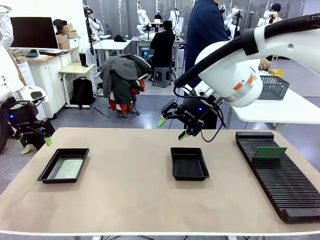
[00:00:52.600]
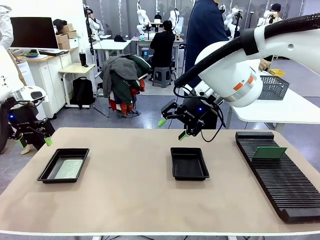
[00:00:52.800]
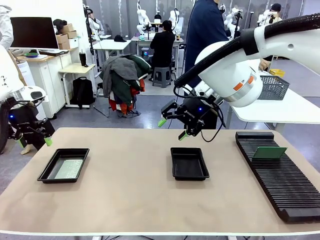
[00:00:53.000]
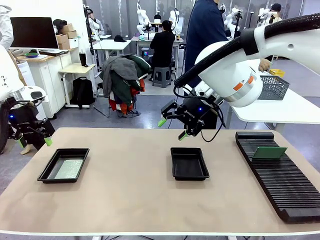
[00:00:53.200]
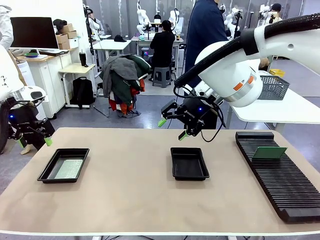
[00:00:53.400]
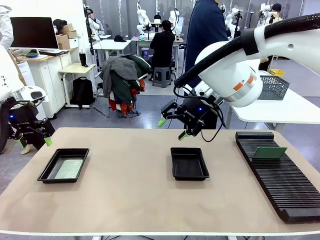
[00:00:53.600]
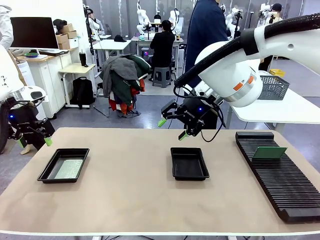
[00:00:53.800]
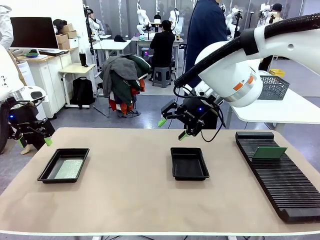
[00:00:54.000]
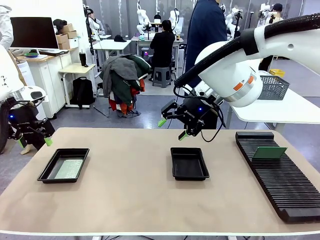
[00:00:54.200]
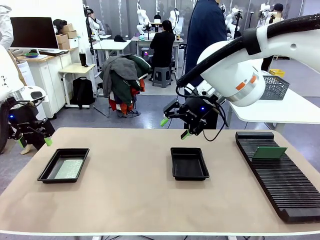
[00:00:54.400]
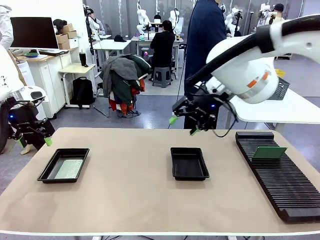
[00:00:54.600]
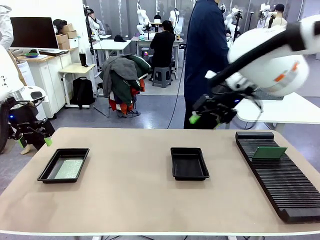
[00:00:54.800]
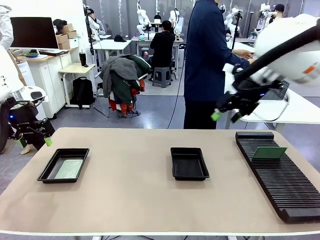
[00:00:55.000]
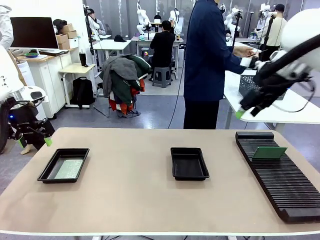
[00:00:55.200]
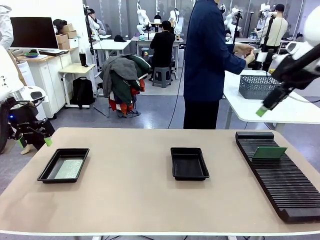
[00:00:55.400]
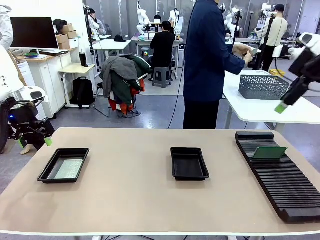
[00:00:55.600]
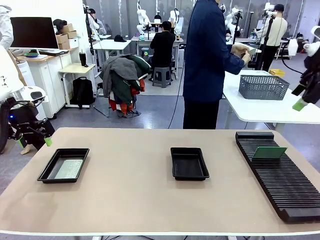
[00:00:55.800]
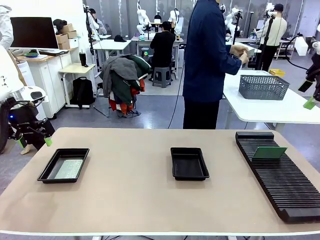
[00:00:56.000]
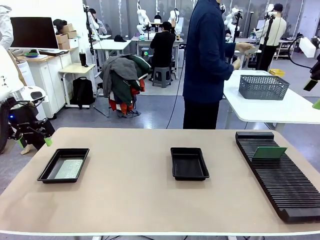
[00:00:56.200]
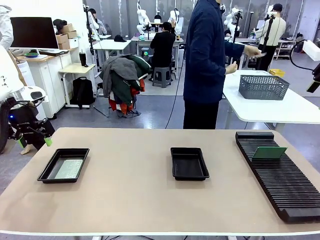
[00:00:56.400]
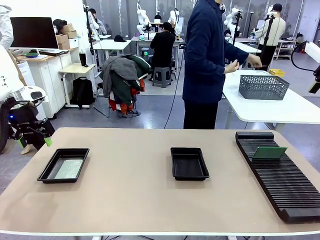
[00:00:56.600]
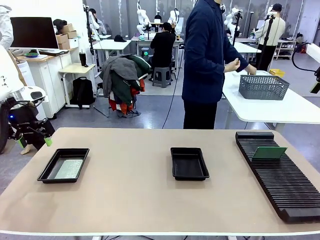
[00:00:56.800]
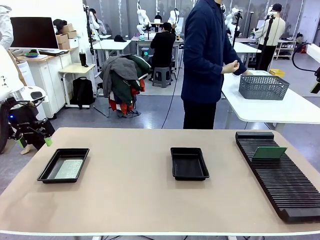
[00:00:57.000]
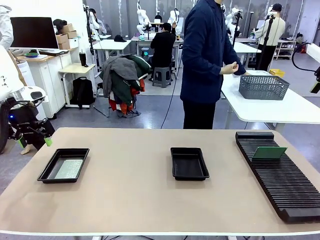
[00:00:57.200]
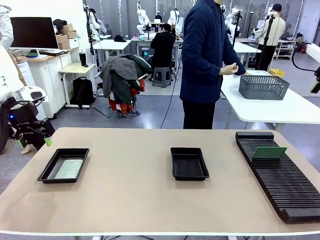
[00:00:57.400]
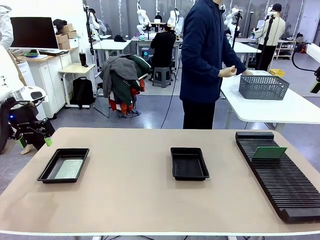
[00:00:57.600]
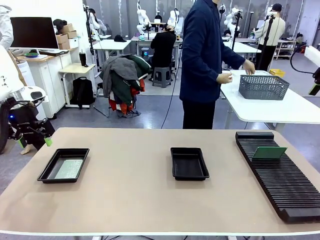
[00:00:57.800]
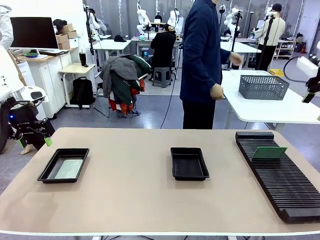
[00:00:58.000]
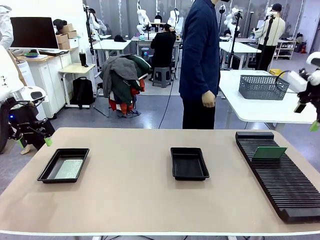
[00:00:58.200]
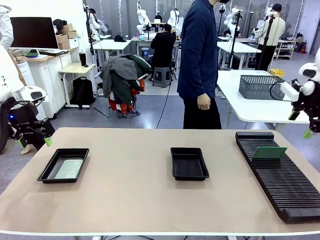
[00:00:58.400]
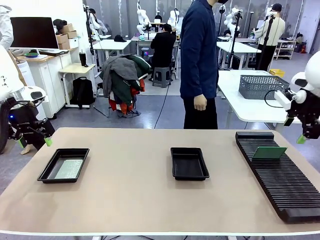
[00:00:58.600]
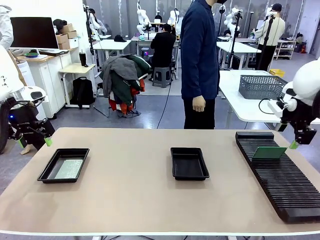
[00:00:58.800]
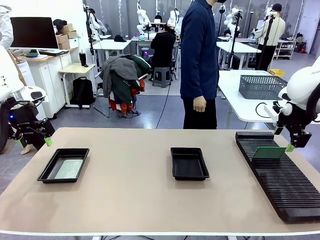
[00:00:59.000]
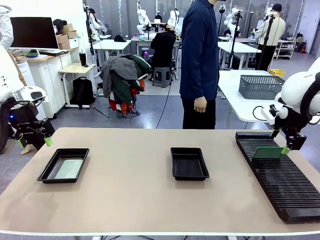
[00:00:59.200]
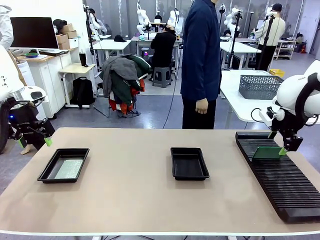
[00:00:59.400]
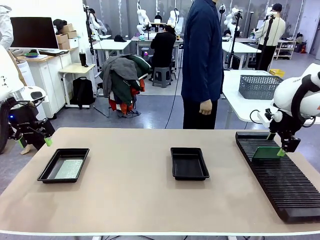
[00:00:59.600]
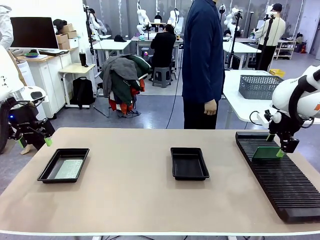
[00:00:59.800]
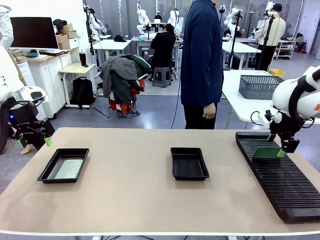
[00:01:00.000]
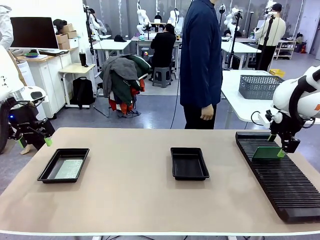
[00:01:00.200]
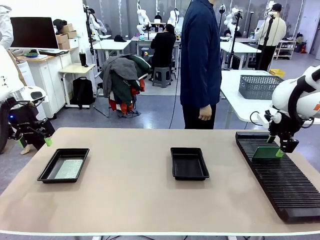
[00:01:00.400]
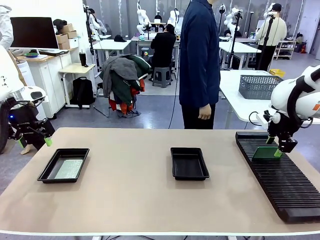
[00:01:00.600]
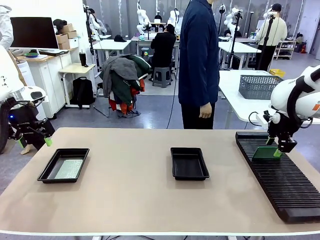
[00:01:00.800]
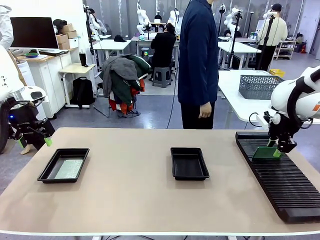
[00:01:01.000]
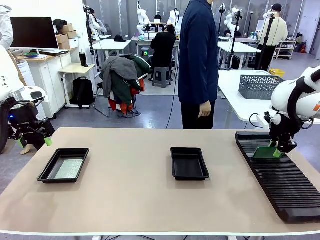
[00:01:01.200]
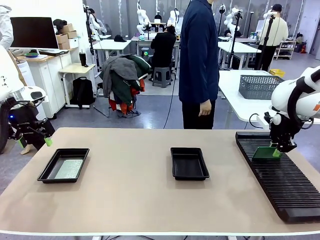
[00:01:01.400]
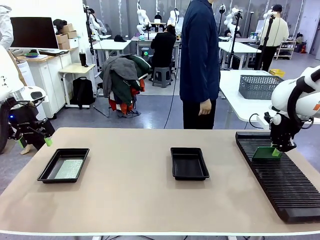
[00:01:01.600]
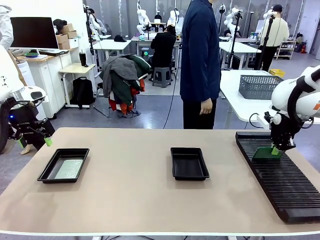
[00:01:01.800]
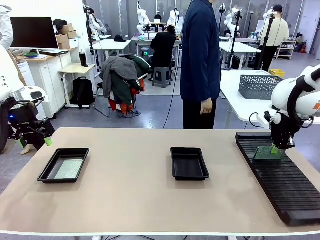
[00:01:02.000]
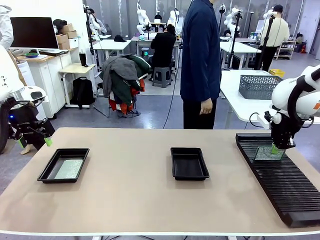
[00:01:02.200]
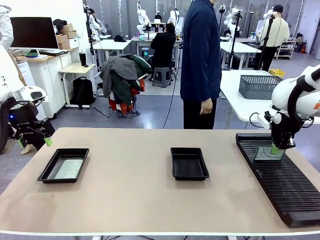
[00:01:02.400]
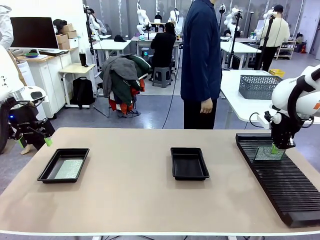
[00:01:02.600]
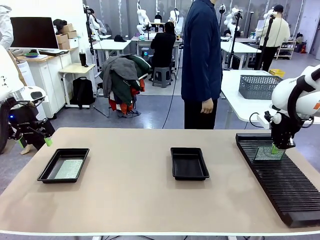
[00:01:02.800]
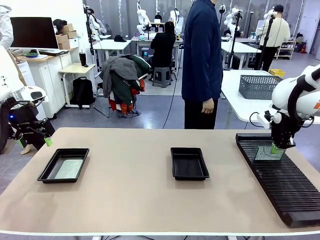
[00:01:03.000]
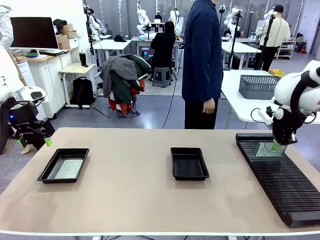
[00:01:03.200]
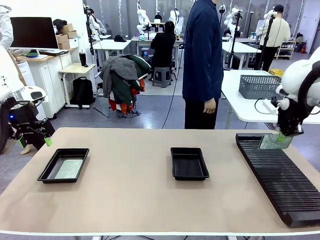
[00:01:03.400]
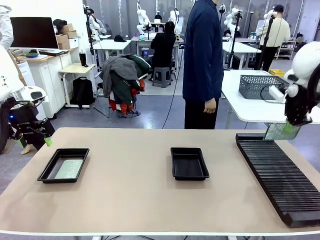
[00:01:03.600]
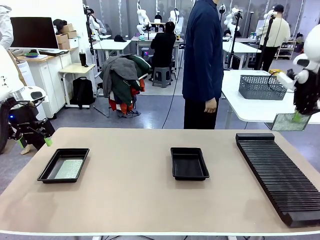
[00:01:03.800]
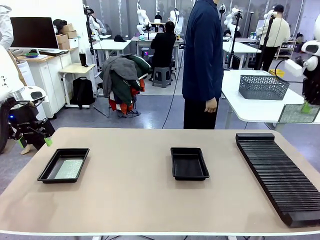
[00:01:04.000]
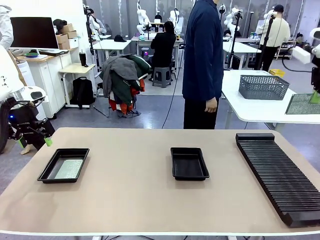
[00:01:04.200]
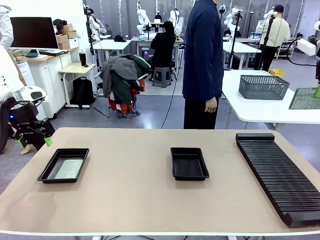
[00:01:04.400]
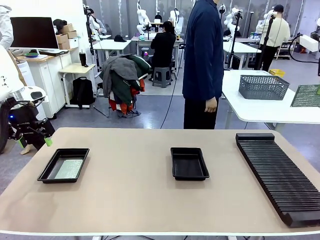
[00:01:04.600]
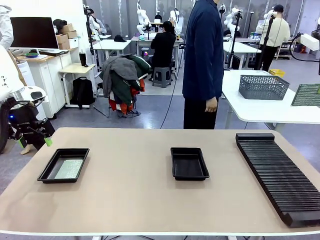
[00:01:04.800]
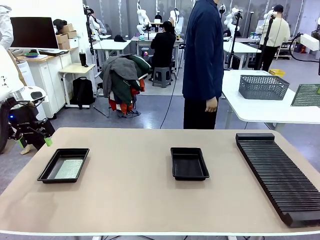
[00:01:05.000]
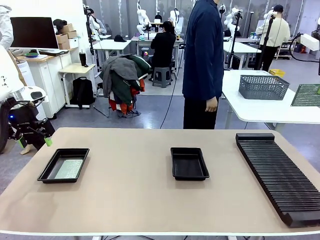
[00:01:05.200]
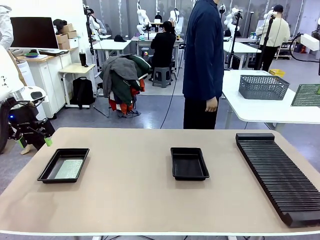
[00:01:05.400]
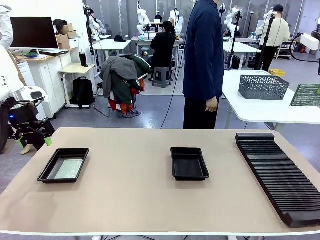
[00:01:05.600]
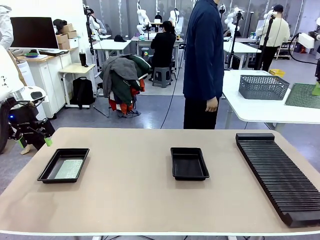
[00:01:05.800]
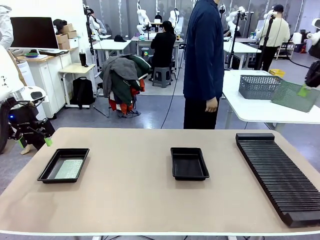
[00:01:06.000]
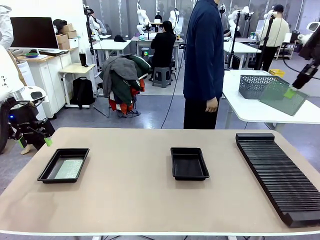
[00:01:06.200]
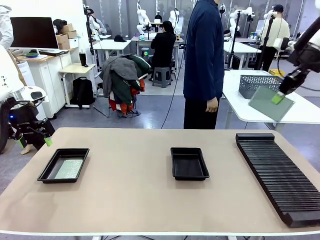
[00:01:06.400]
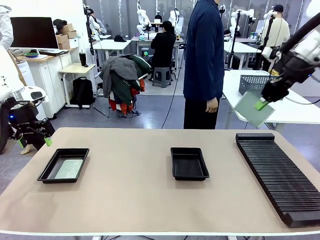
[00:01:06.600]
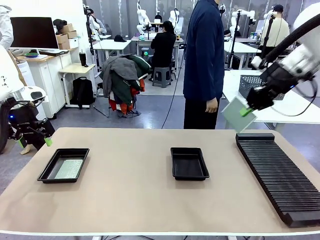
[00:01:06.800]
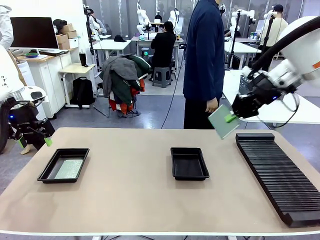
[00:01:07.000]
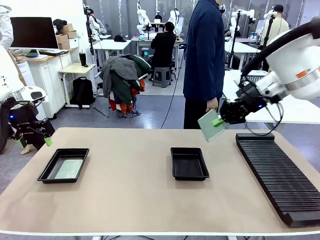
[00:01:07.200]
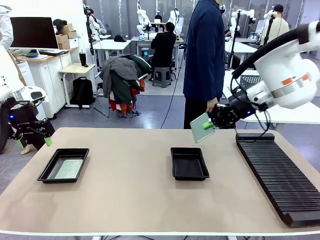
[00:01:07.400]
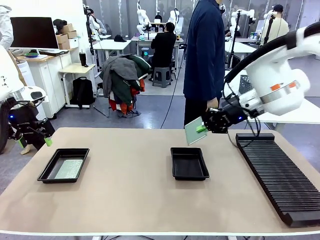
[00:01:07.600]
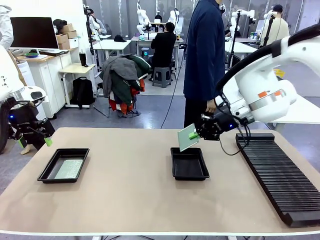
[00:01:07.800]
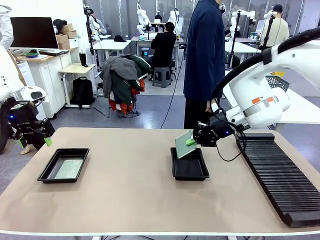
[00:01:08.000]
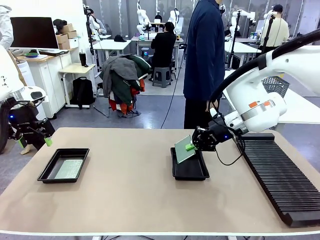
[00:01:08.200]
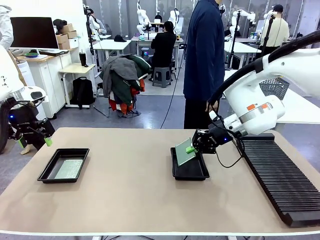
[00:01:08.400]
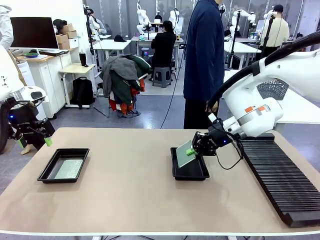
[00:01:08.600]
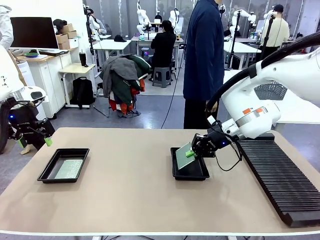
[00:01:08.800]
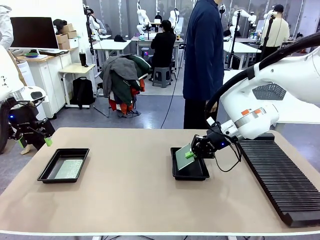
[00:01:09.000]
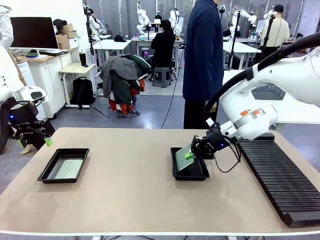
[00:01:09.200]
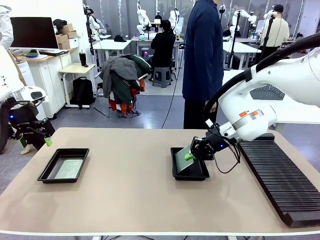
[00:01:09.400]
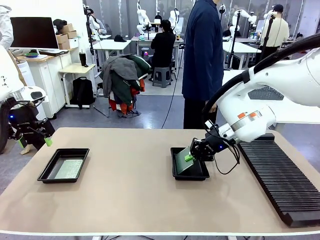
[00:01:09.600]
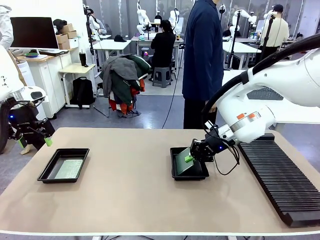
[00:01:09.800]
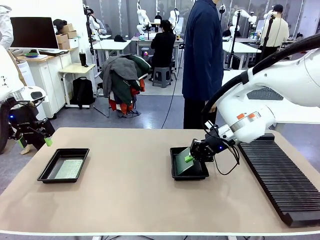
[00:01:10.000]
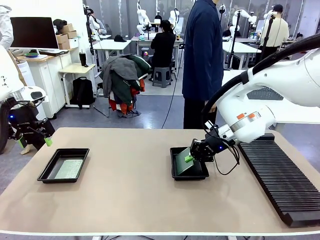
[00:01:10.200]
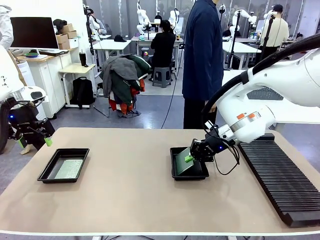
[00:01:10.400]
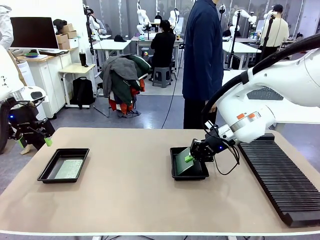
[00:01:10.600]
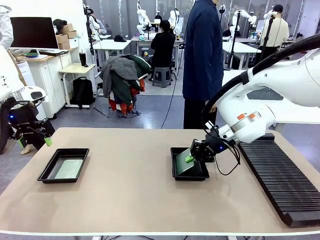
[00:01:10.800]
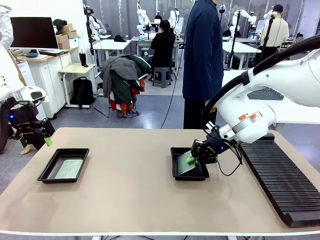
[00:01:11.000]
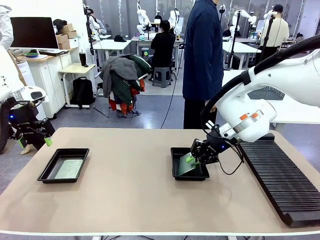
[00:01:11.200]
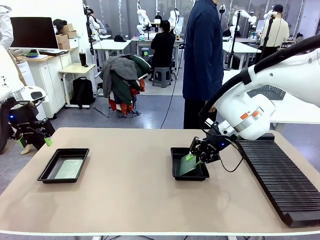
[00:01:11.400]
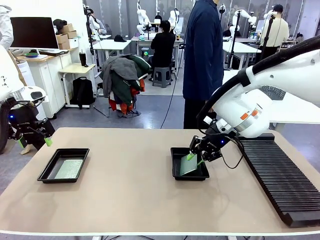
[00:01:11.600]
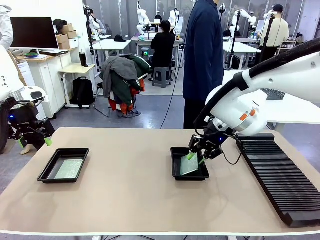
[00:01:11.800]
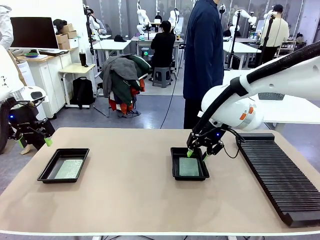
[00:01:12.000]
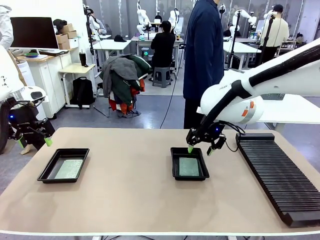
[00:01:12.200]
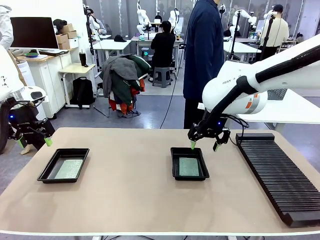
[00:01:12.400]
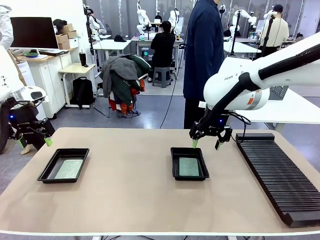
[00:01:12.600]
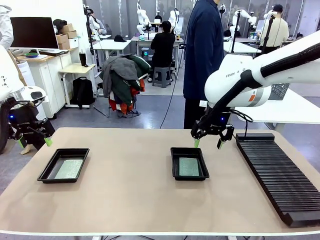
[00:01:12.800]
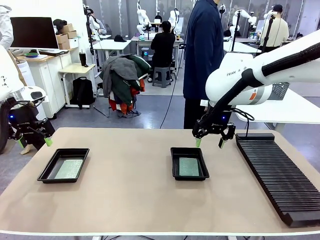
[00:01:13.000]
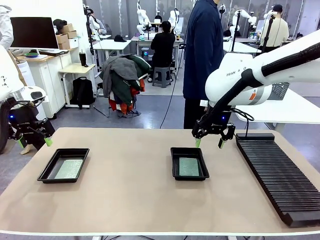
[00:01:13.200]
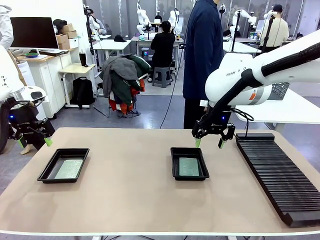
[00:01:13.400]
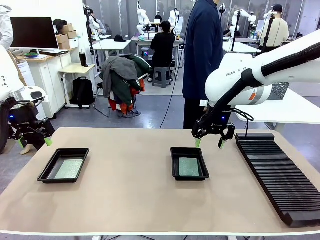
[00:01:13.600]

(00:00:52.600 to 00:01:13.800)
Task: Inspect and transfer BCBs to ESD trays.
Robot: Pick up the Blank PCB from the PCB Rack and place it in the right ESD tray.
